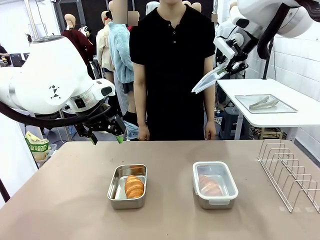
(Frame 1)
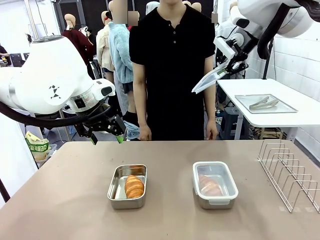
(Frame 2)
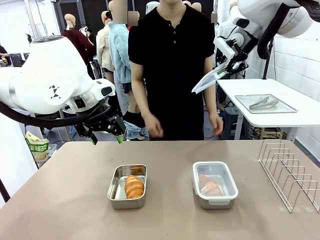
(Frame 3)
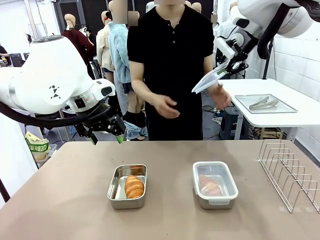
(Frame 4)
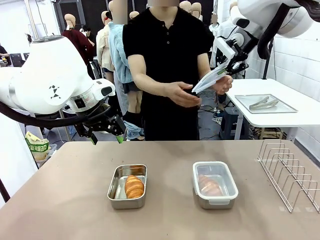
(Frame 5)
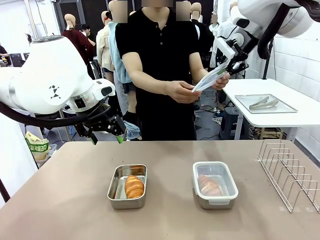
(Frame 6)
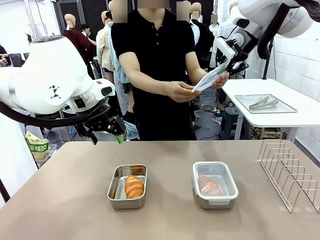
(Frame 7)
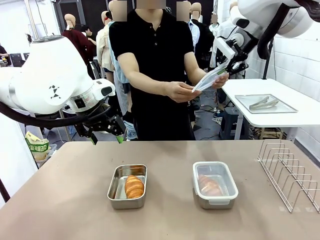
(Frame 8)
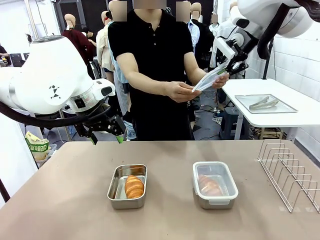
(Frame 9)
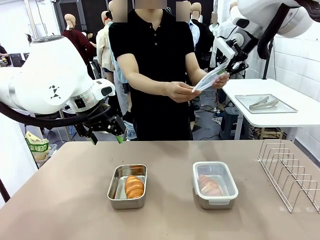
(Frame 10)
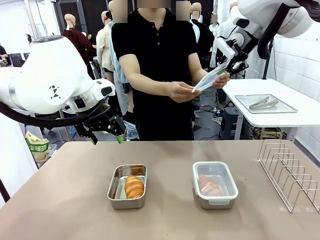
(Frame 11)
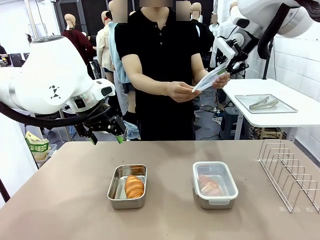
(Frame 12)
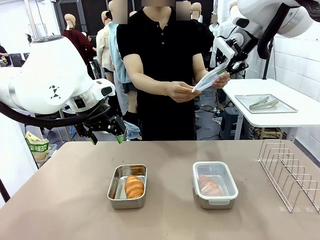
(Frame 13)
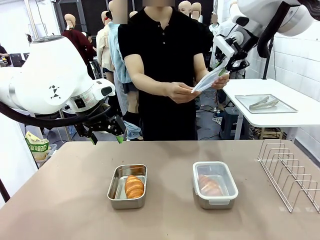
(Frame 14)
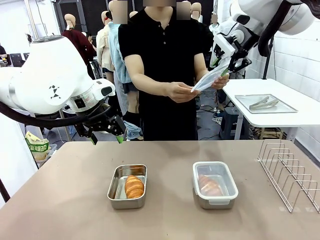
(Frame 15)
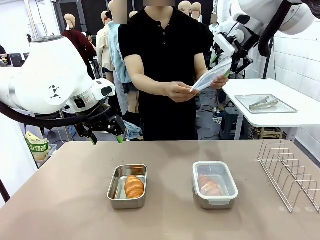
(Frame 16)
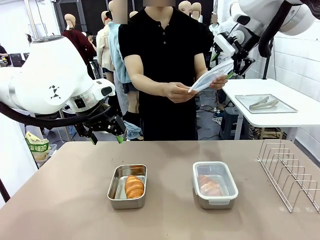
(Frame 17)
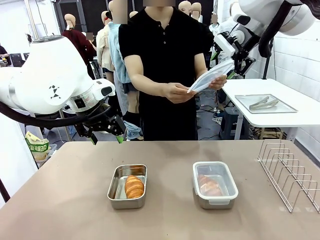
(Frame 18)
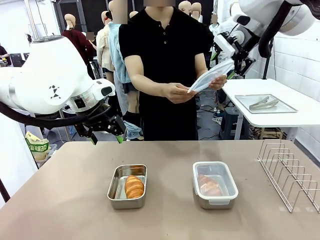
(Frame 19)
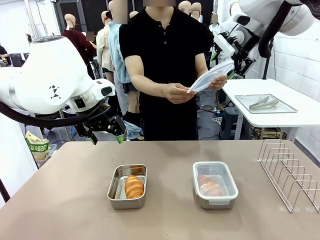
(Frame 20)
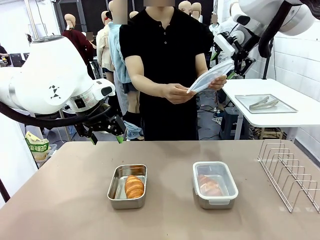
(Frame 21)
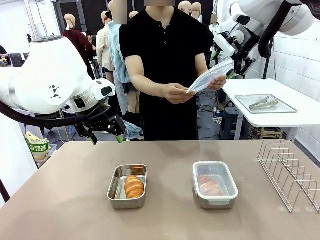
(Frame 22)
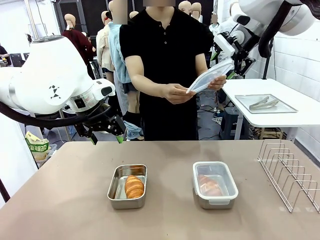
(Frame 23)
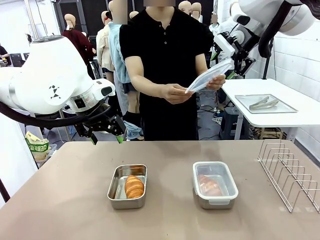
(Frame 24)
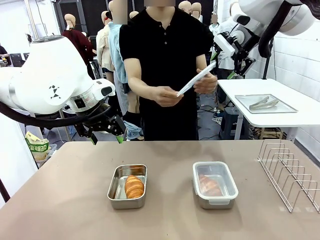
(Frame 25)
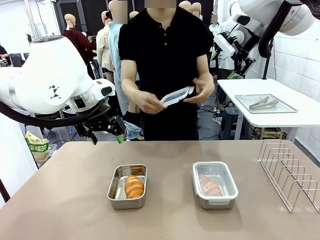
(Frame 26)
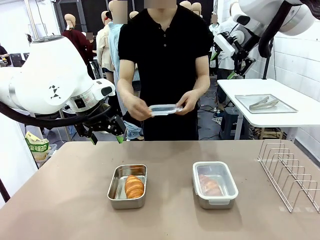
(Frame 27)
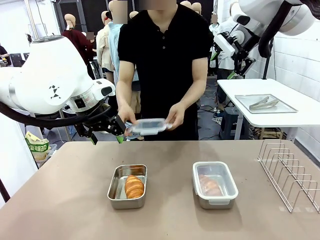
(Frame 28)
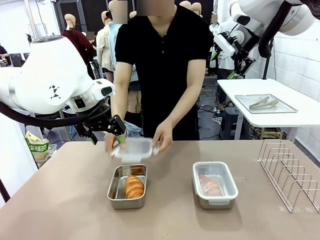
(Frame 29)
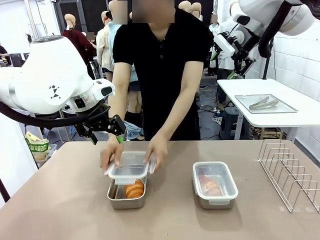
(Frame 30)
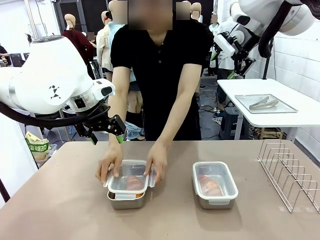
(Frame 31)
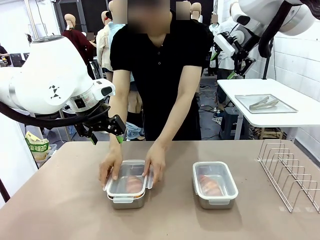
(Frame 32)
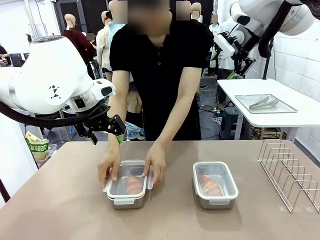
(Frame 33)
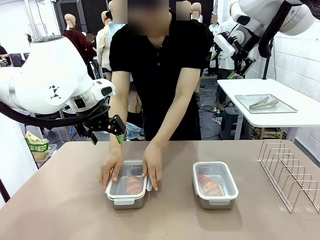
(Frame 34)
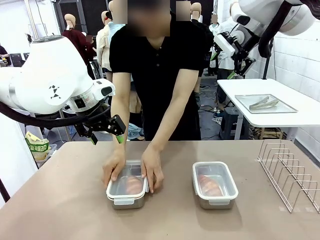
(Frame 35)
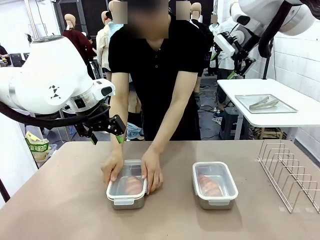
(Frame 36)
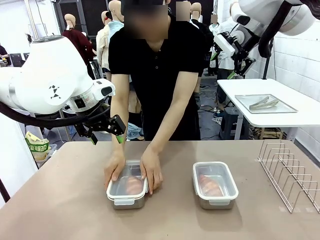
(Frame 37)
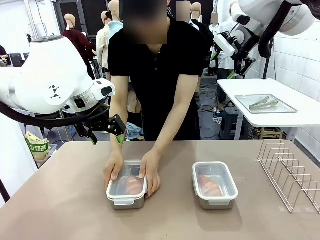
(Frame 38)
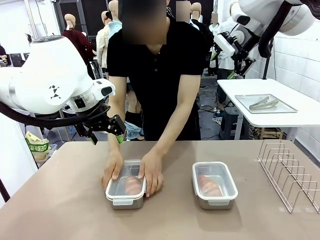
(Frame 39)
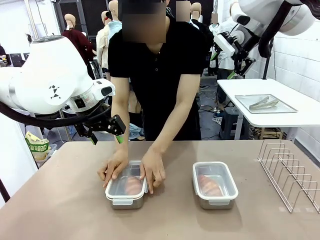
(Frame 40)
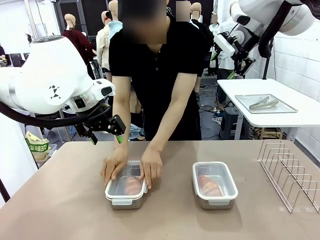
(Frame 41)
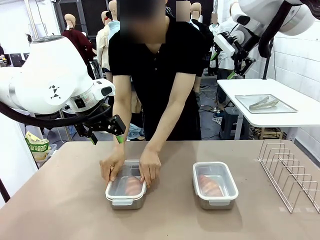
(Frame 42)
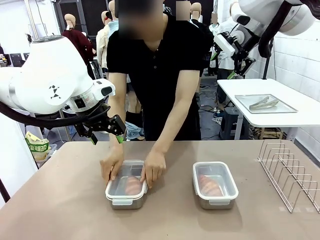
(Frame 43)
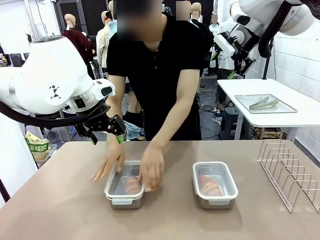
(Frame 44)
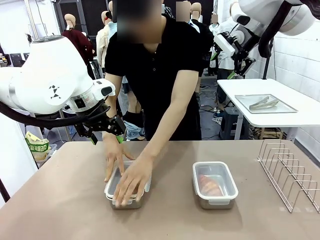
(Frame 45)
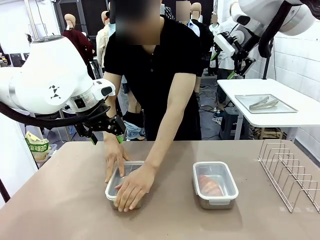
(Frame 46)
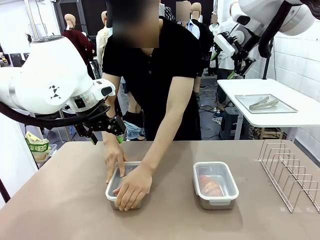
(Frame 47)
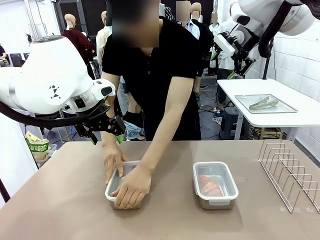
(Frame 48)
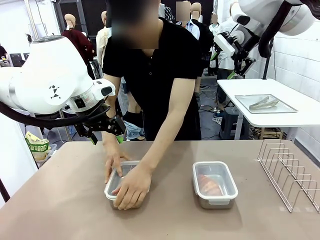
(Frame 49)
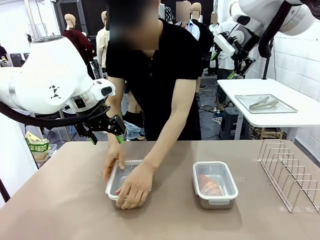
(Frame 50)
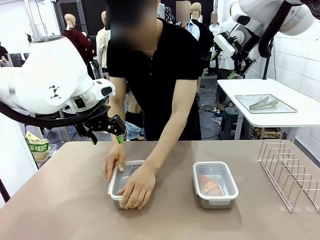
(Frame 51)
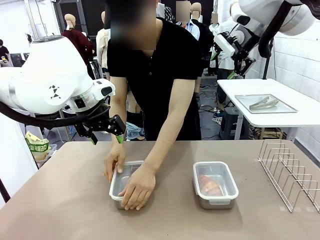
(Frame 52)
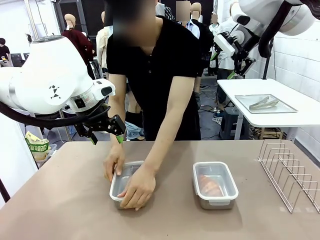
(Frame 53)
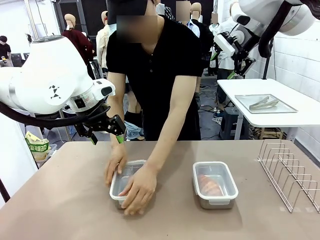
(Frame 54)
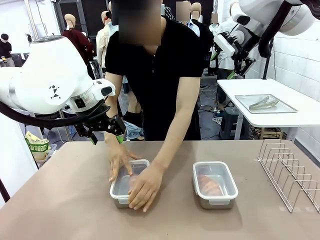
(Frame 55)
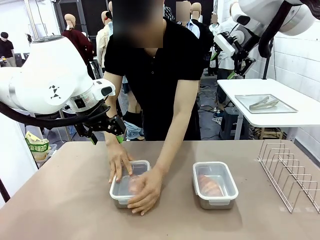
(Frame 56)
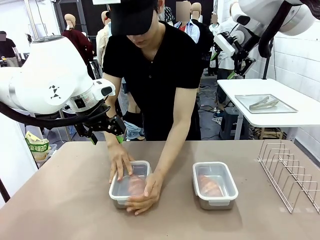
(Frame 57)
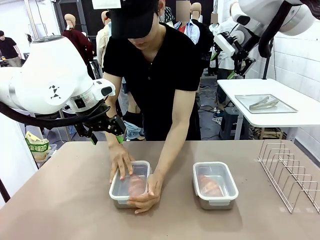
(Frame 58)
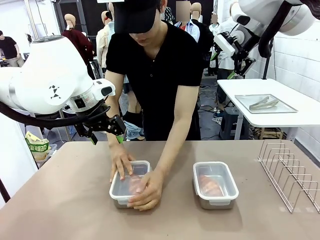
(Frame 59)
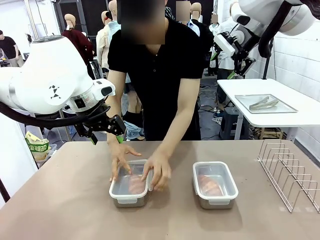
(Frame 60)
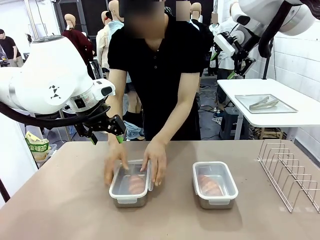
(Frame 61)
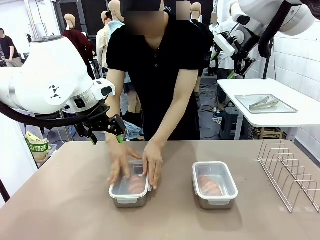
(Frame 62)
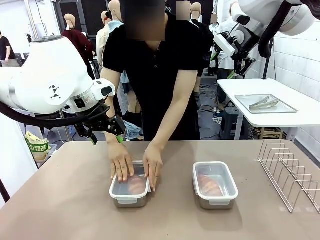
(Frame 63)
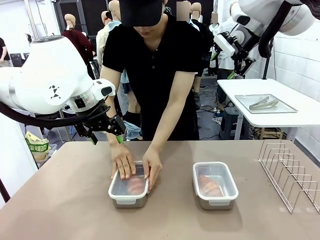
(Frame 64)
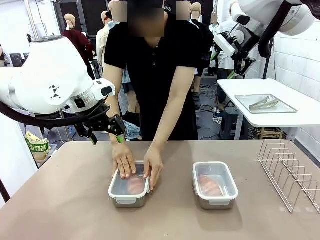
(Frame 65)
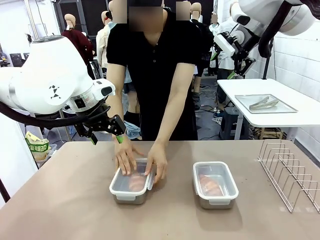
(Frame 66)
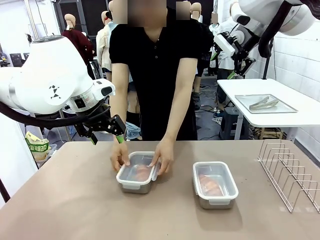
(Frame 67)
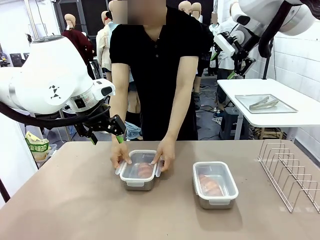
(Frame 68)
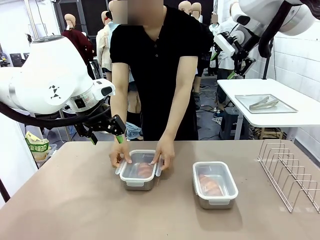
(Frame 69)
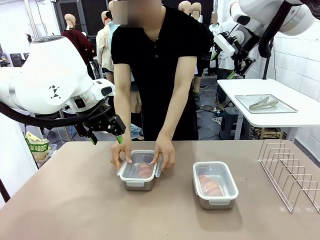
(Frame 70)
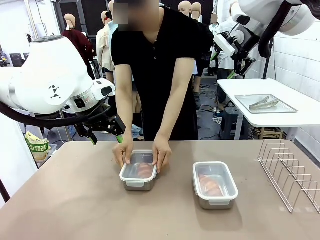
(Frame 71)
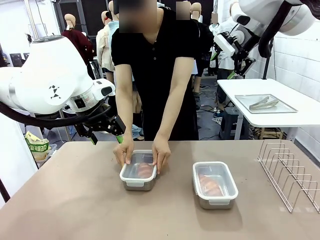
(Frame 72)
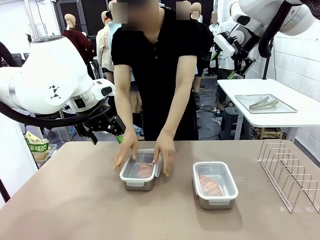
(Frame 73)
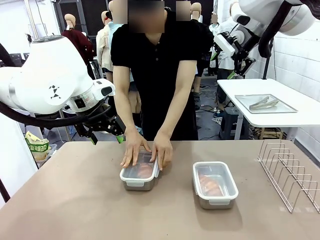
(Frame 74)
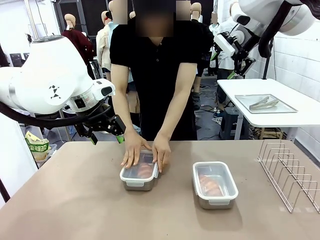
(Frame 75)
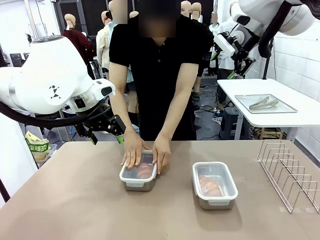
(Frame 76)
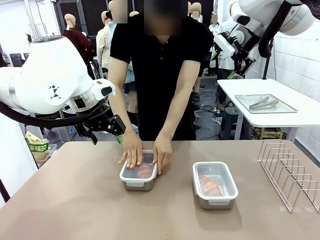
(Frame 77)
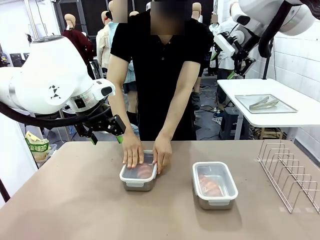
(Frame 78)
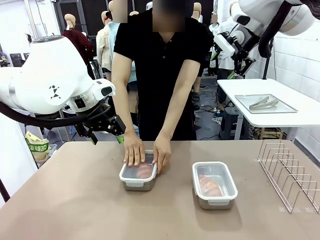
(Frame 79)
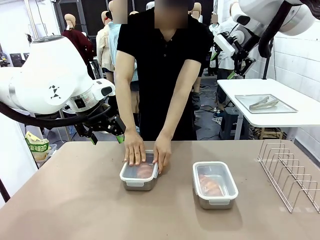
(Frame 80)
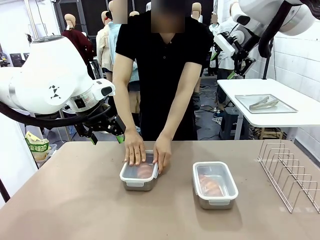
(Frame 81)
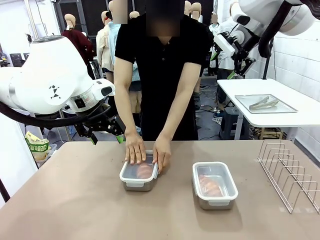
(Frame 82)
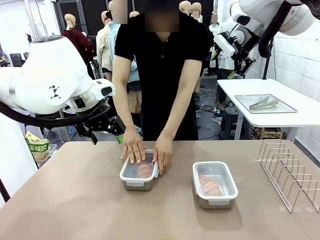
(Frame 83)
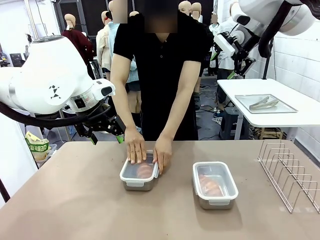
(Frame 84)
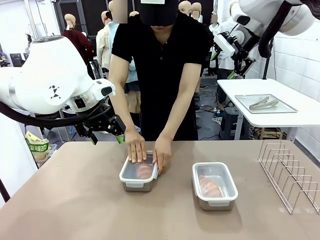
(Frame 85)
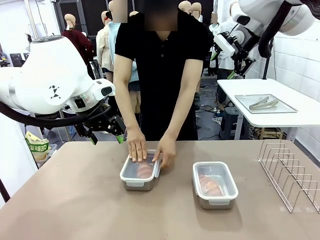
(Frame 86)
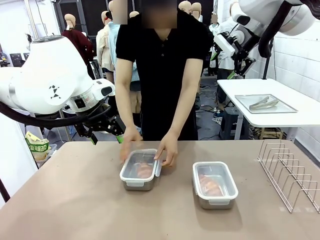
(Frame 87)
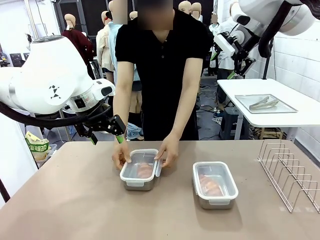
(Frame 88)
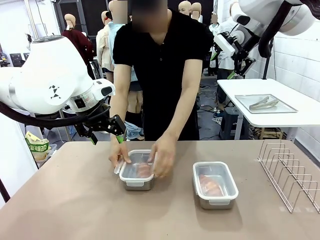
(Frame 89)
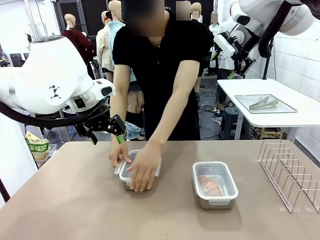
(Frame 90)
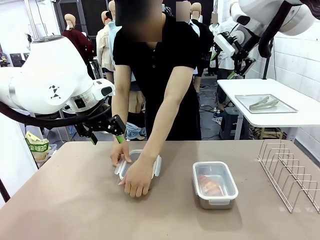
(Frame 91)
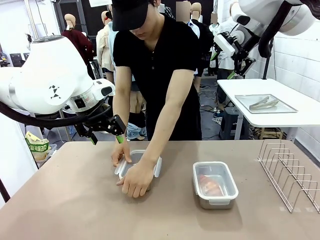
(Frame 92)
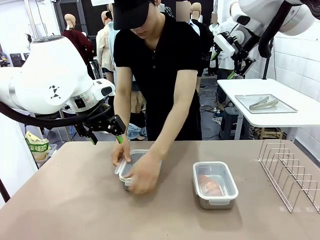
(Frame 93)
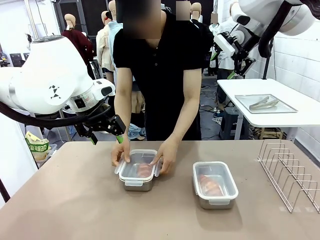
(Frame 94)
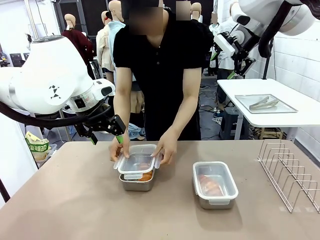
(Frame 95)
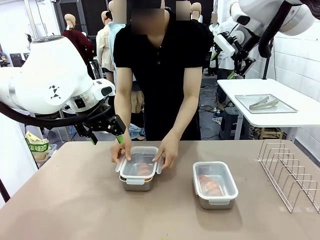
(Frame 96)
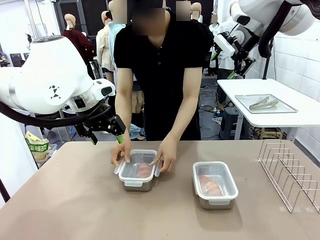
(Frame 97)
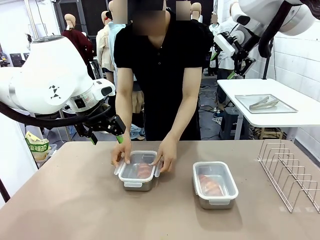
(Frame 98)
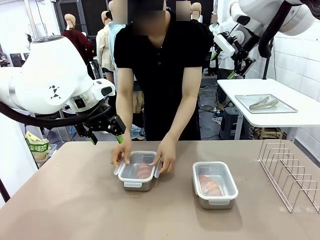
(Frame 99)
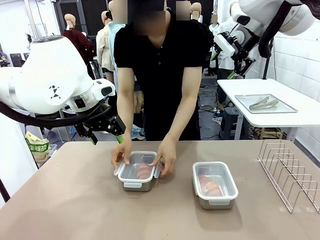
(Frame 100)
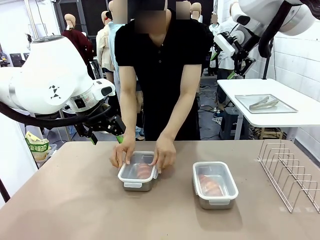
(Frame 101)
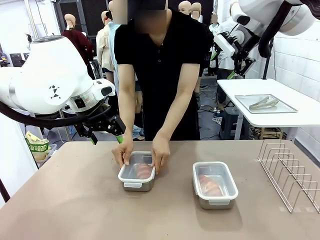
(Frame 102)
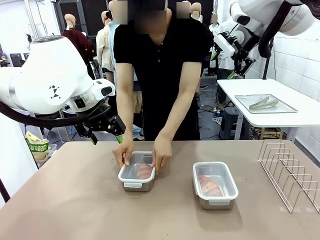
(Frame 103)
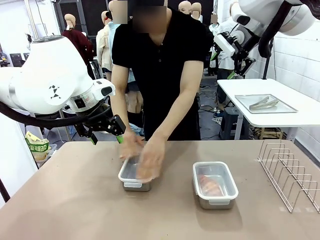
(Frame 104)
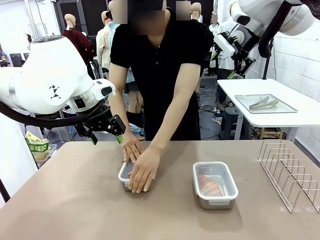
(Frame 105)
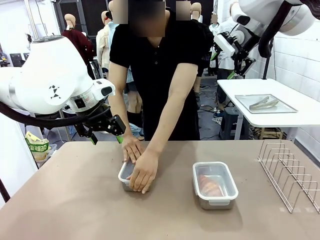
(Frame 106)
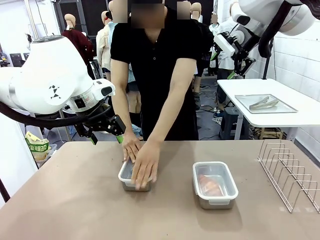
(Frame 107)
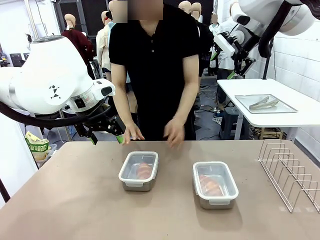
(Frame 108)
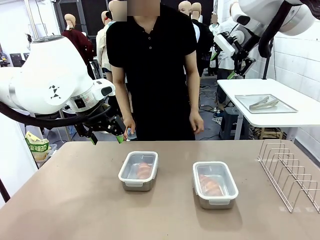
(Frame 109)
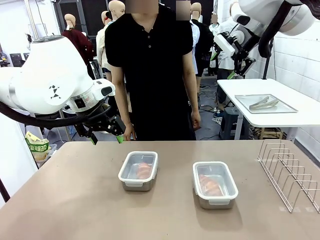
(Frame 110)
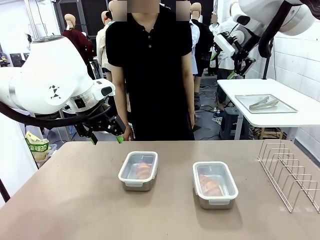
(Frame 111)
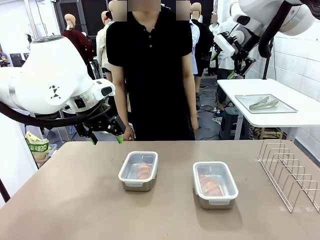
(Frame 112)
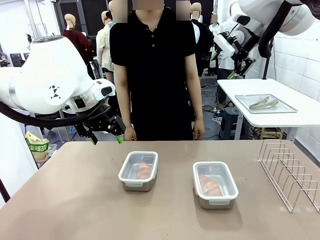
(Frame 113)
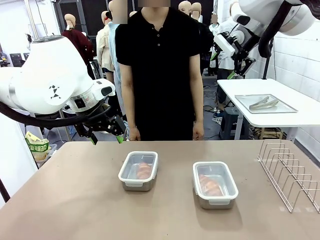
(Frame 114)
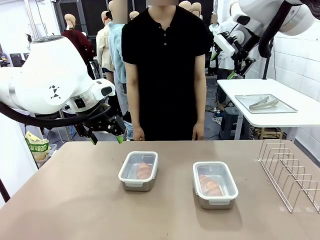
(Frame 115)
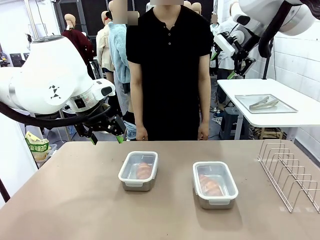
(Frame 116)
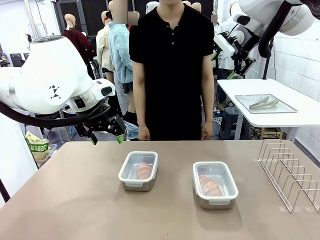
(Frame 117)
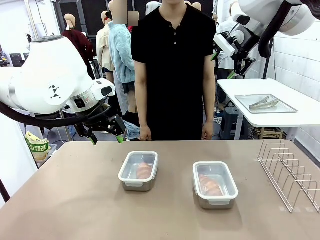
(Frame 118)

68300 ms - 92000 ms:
Task: Place the bread in airtight containers.
Robot: Release when the human grabs the Airtight Container lid.
Person: Close Airtight Container with a handed Airtight Container lid.
